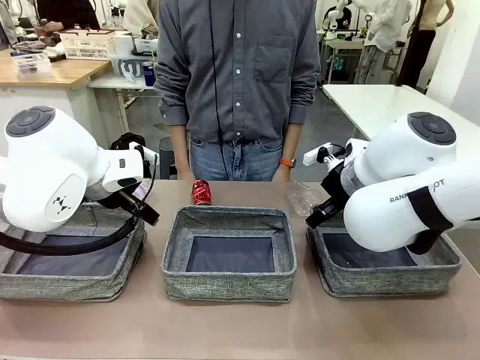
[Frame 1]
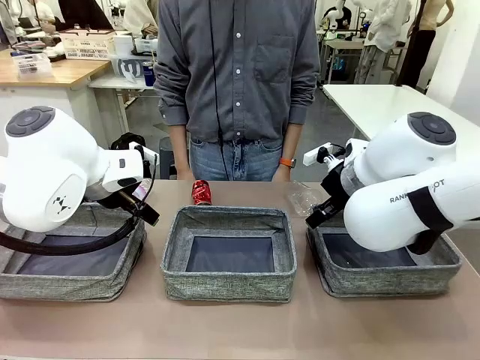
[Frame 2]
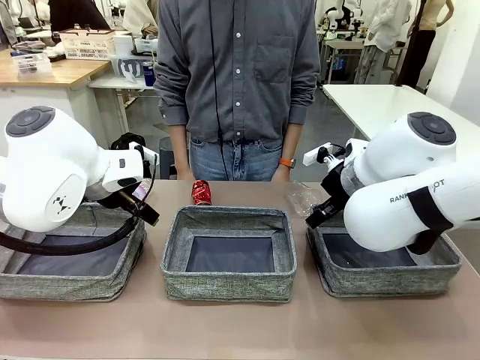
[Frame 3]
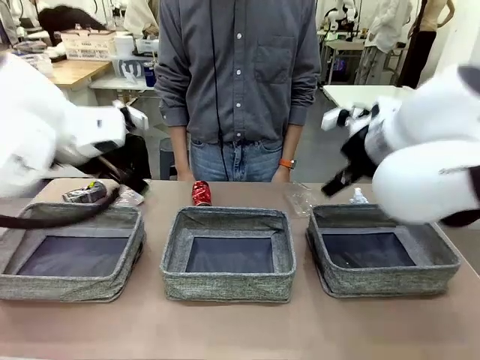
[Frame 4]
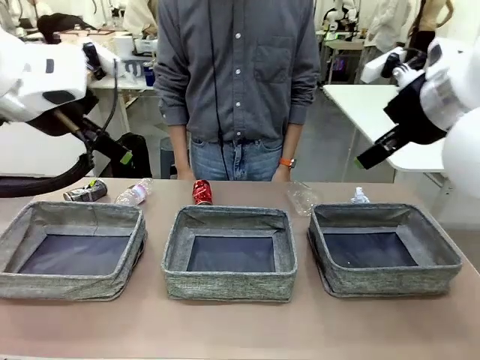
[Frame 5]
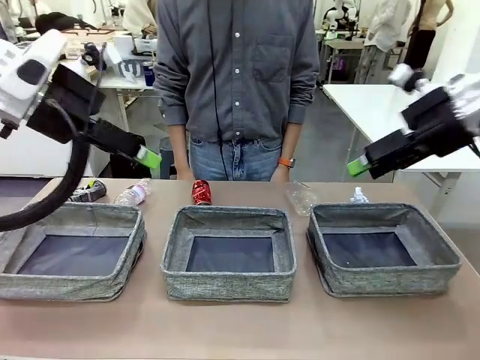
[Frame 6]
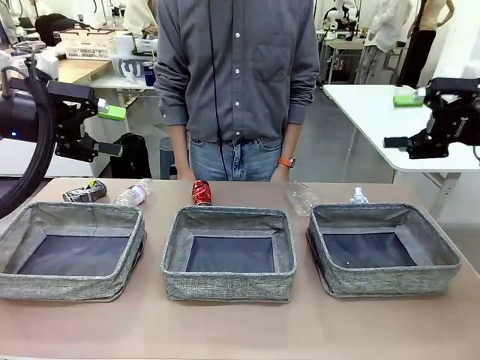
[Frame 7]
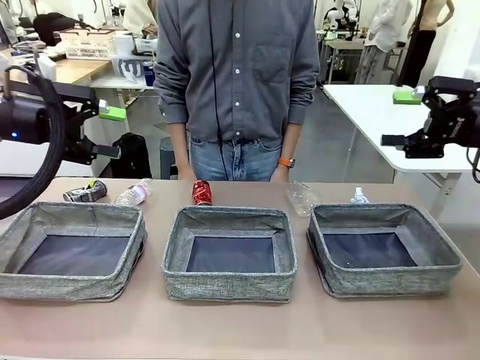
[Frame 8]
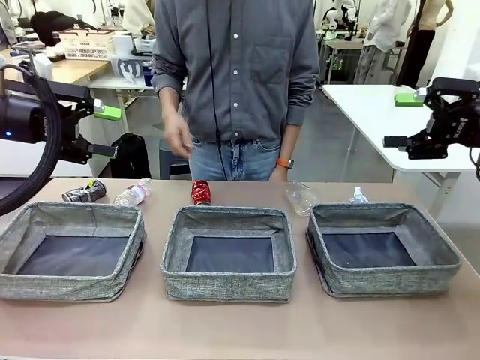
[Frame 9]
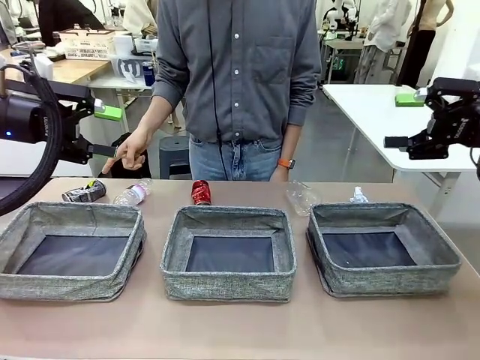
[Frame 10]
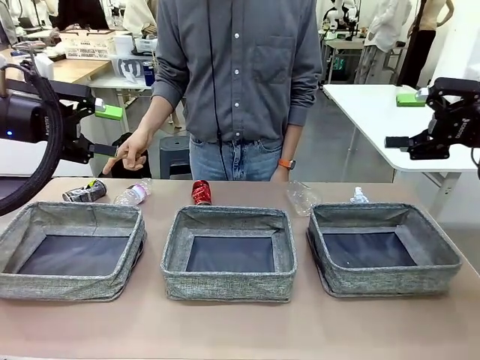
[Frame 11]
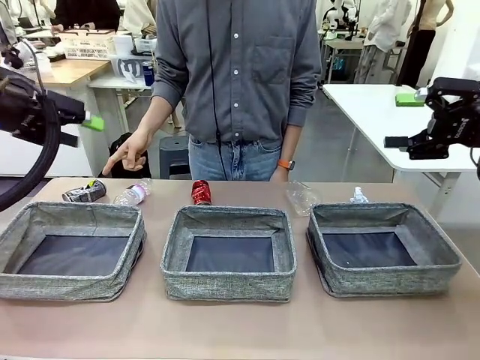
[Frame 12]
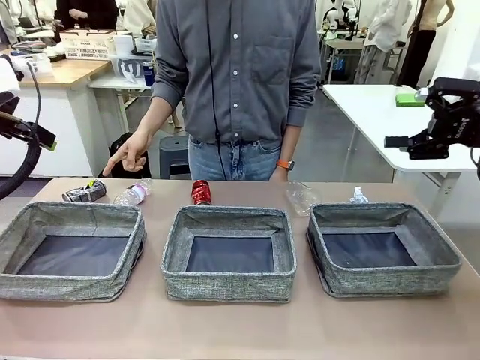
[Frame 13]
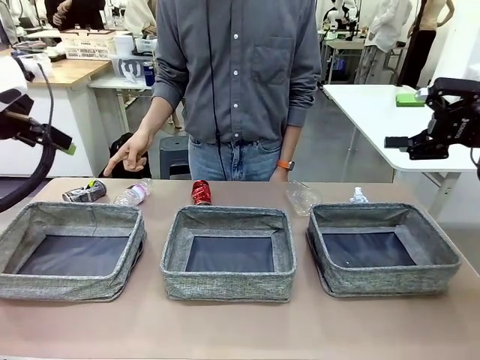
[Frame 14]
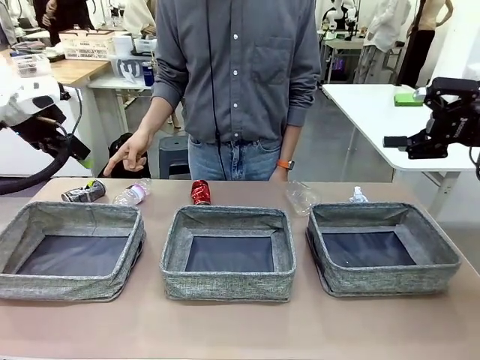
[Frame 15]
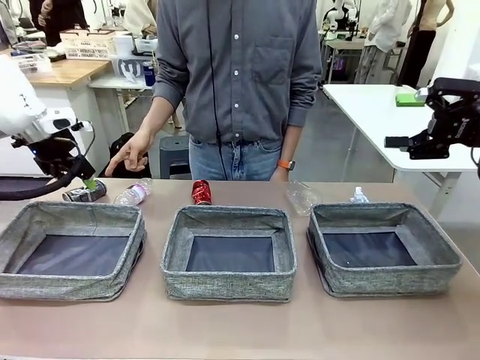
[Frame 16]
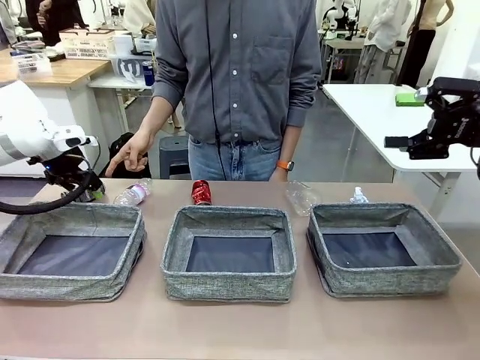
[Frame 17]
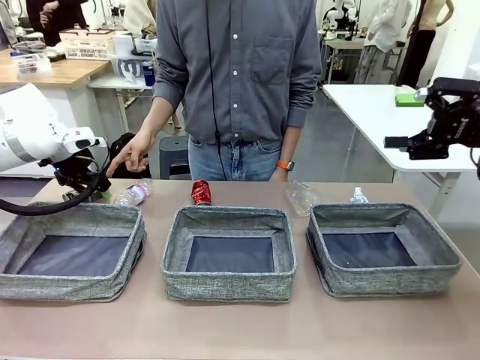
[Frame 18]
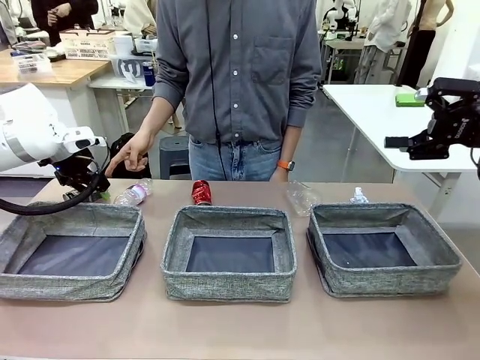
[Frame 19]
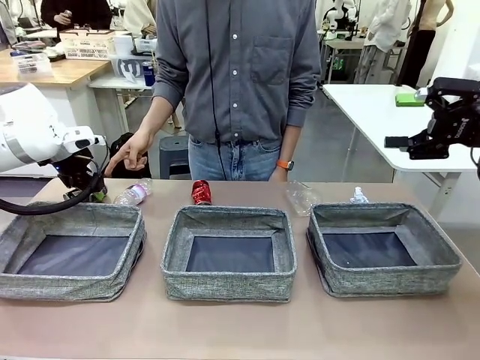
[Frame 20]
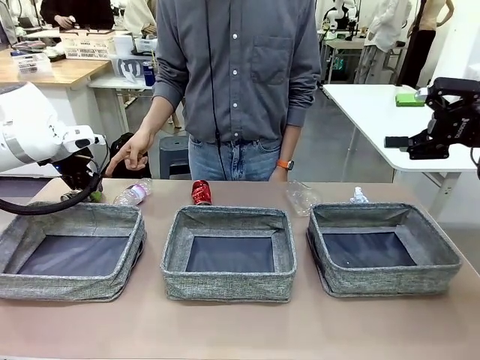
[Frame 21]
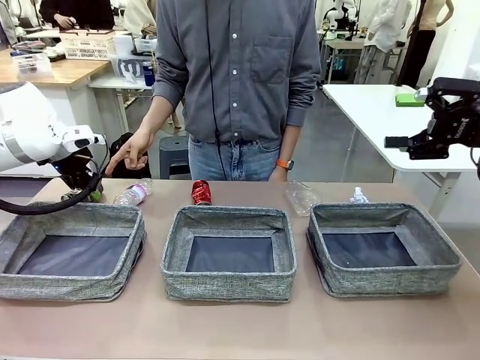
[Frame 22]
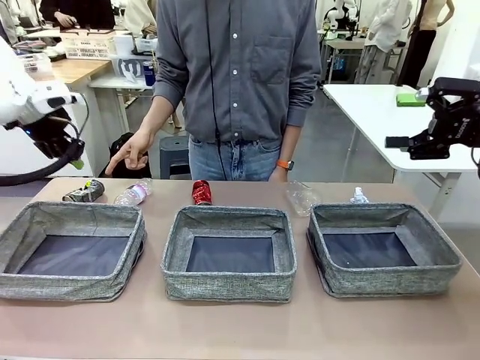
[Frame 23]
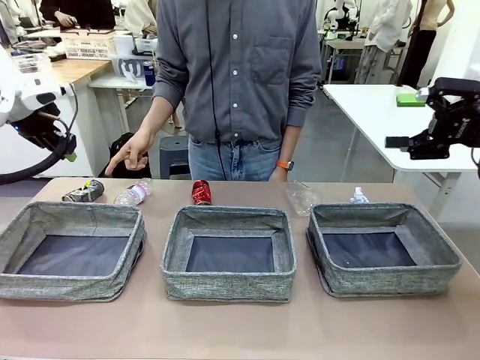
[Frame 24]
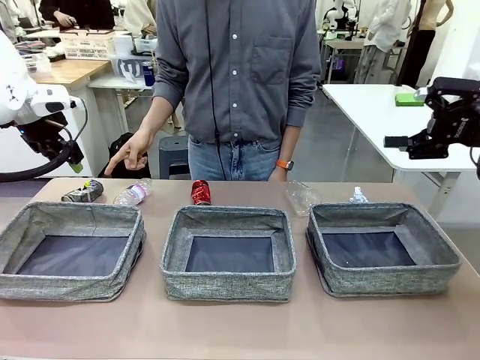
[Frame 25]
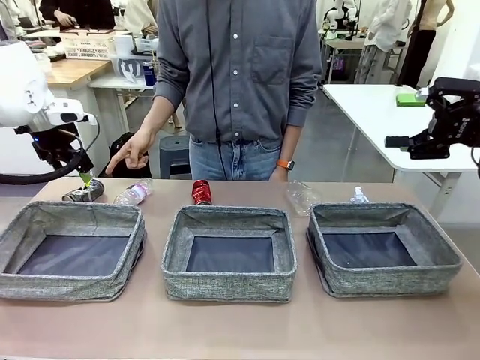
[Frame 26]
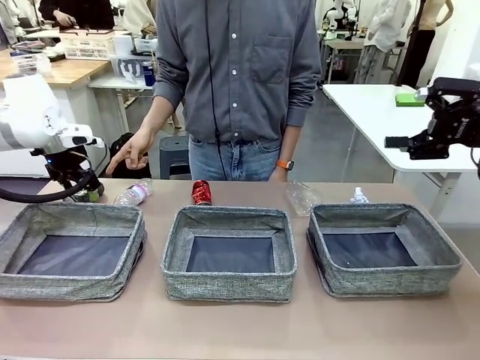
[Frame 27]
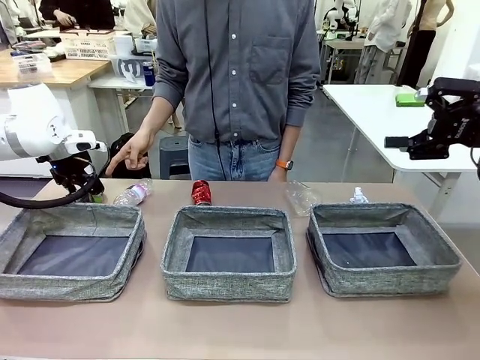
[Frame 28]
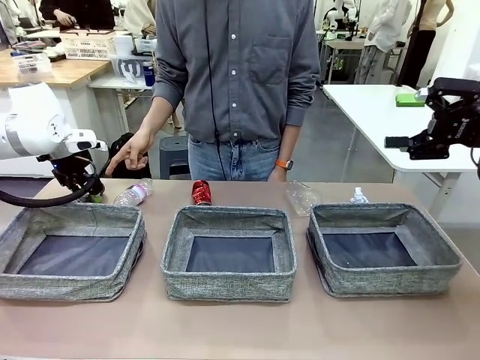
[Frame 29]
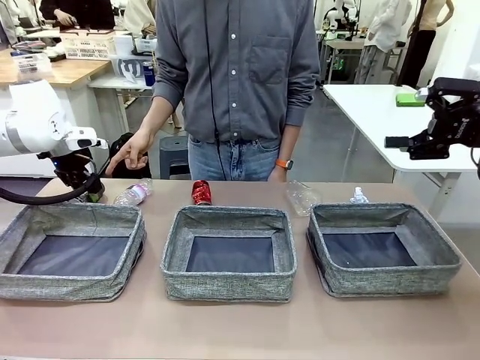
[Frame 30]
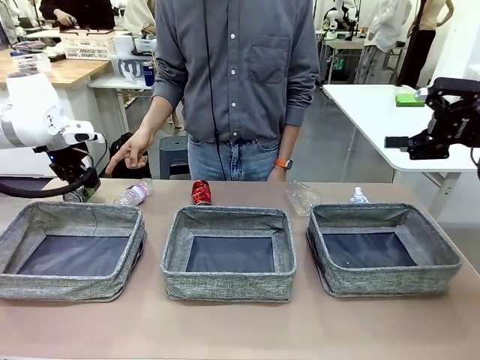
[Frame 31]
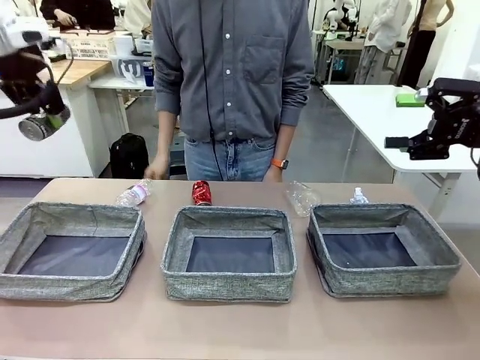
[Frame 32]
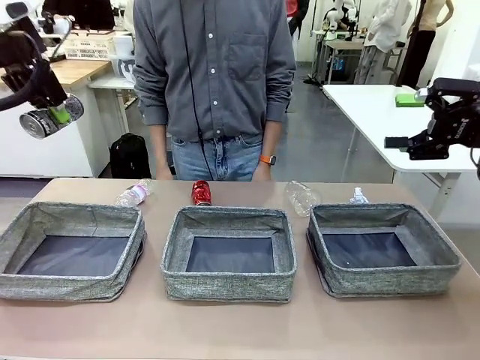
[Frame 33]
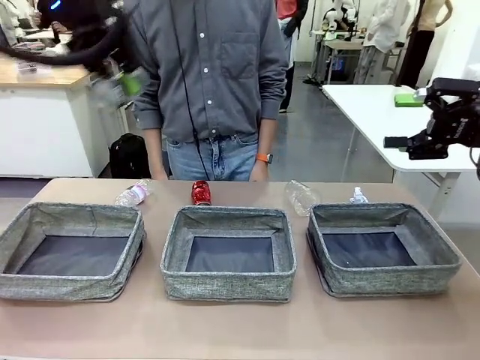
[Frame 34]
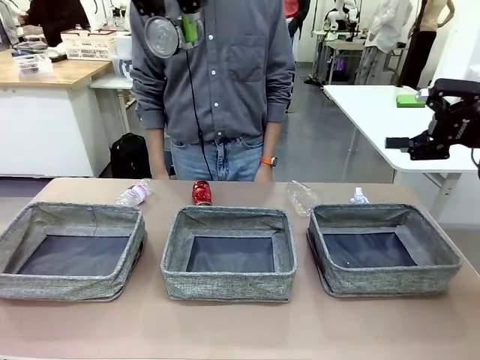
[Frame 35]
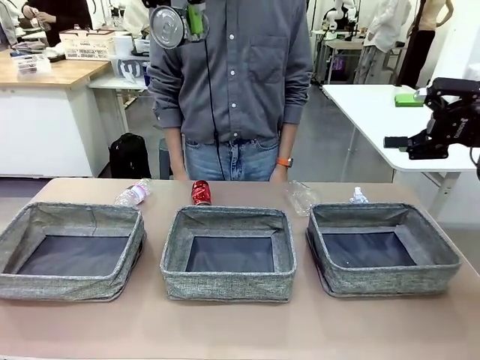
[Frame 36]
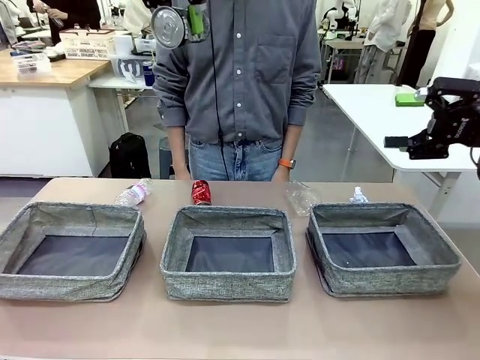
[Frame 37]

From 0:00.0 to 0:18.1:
Task: Sort the waste into the appropriate baskets.
Robot: Pick up the waste item pointed out by the person.
Person: Points to one piece of trash on the table.

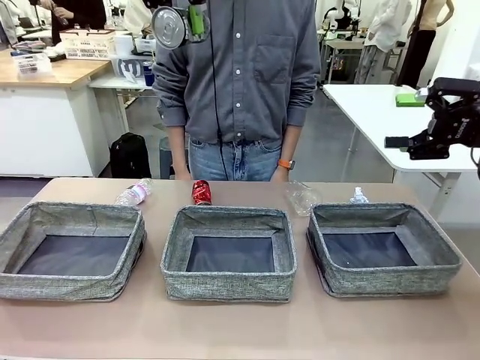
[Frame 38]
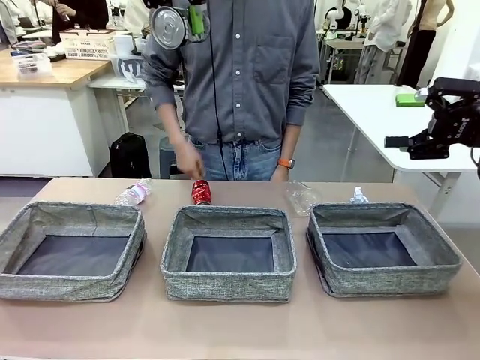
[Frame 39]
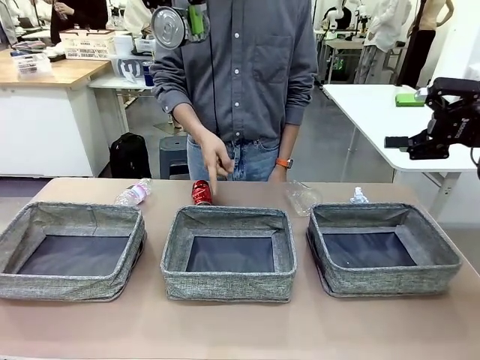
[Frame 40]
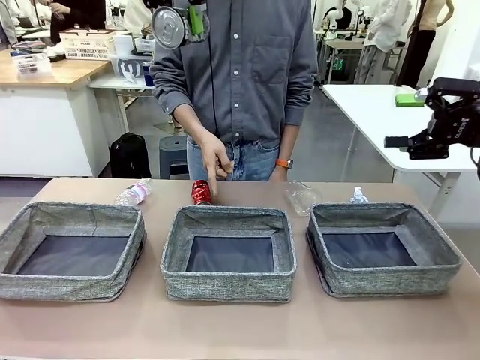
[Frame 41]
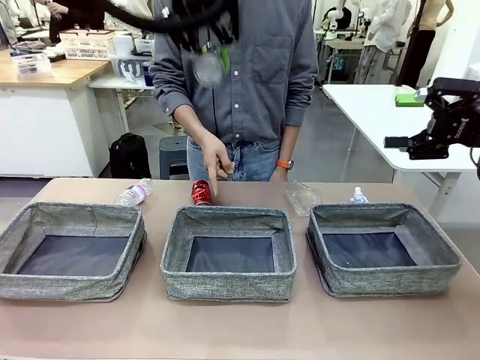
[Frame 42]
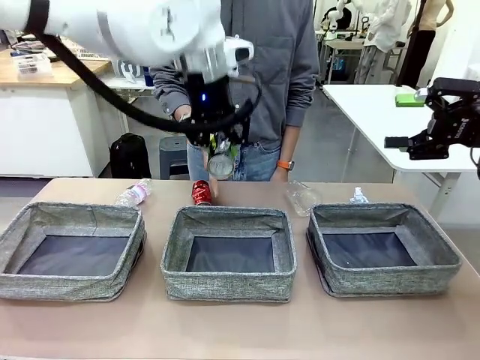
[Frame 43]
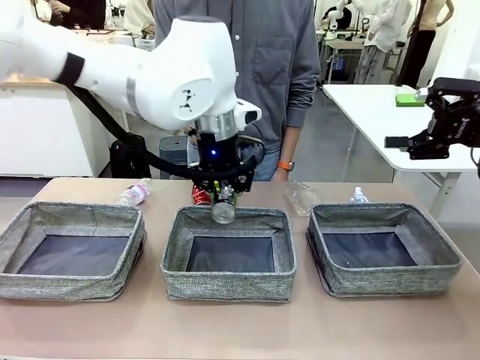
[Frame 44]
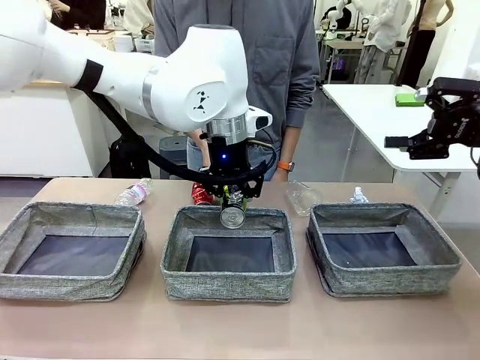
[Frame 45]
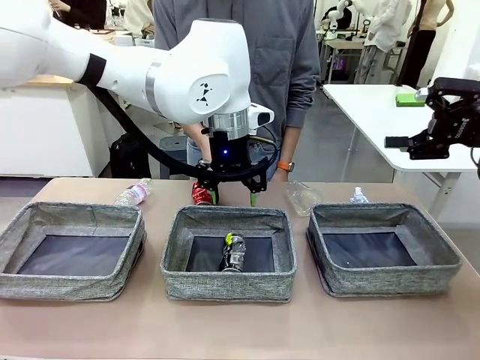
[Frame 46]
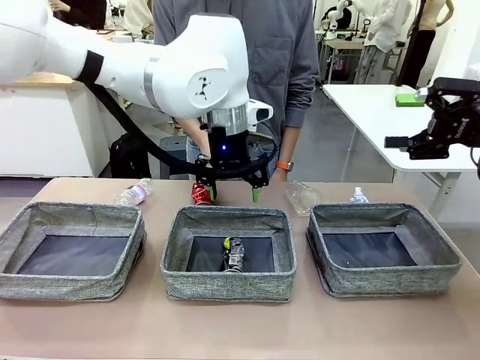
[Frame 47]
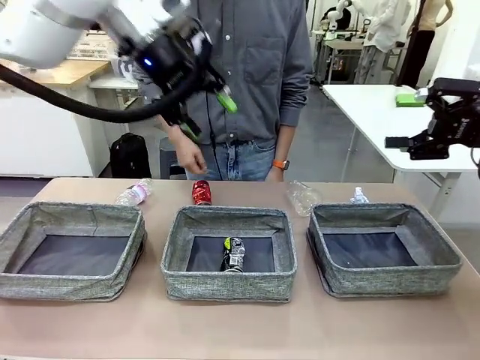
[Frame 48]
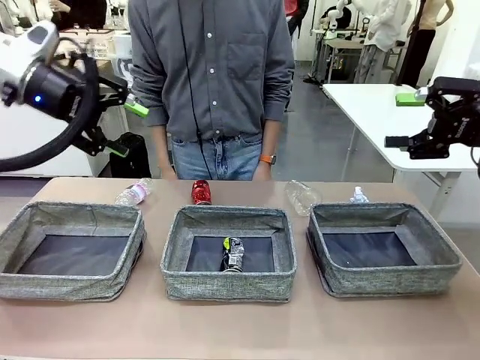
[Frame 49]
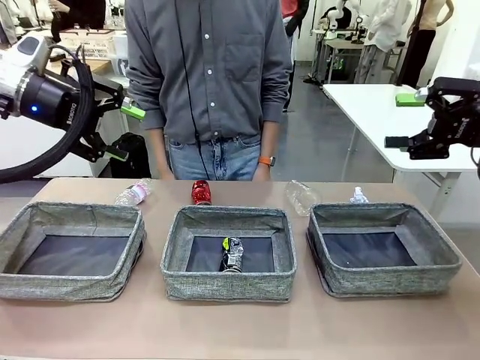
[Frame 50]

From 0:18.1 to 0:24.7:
Robot: Place the picked waste into the Fabric basket indicated by the person.
Person: Instructs the robot to place the picked-up trash into the appropriate organizing basket.
